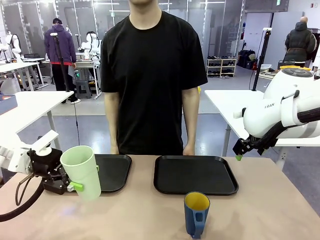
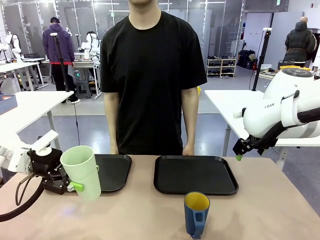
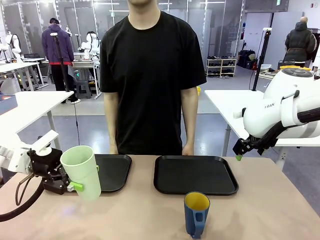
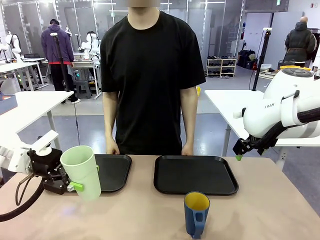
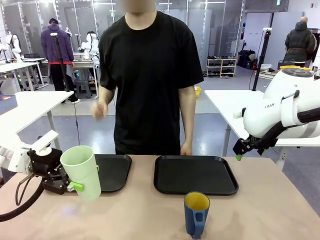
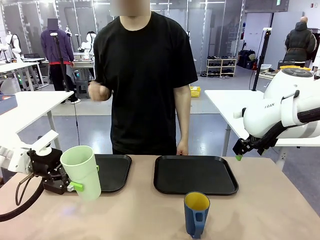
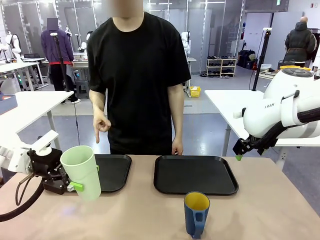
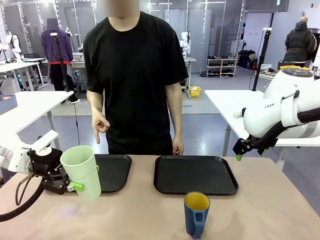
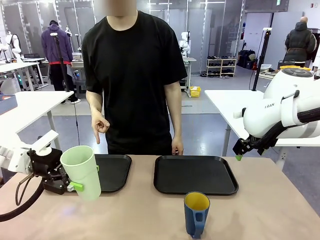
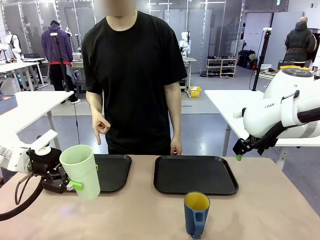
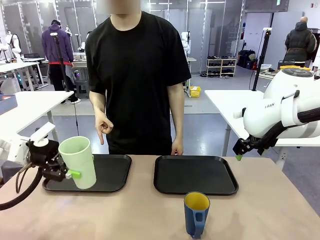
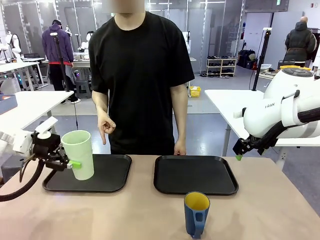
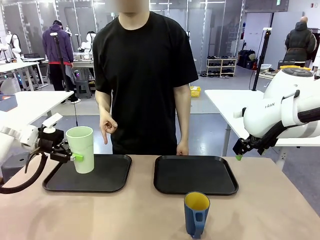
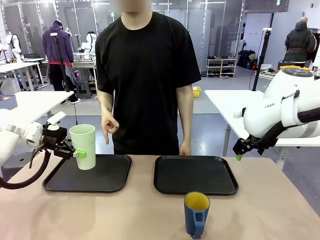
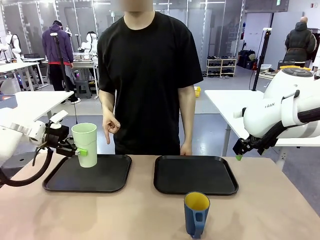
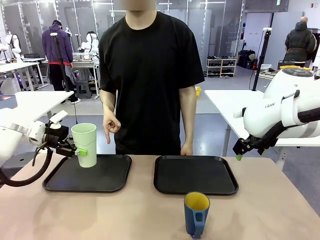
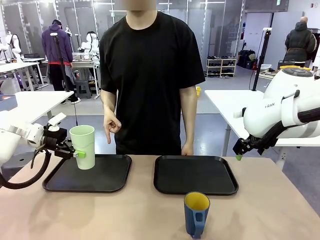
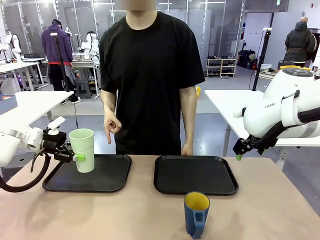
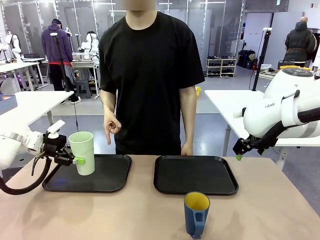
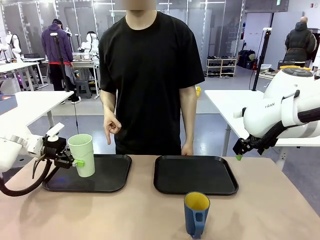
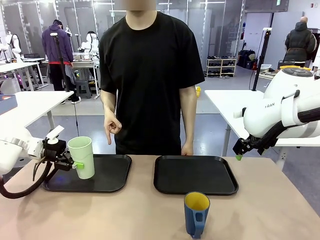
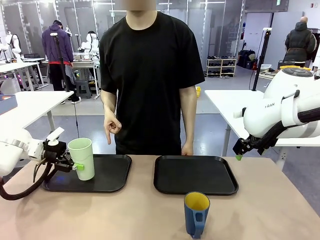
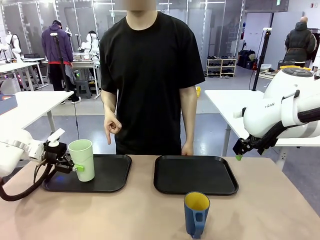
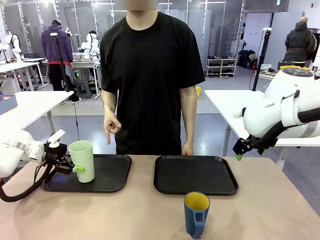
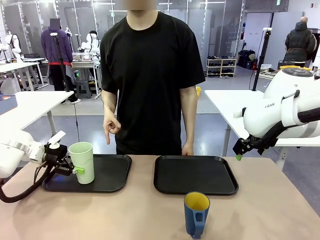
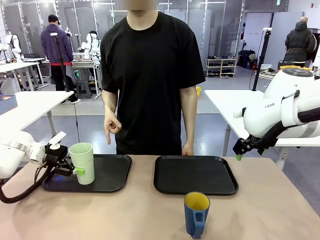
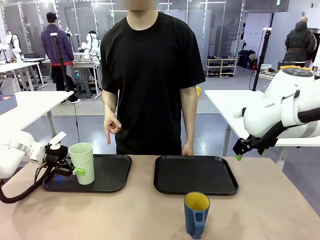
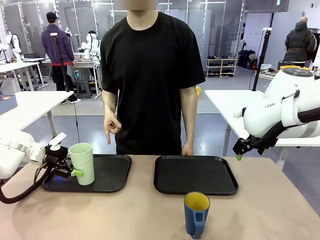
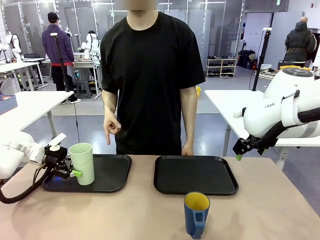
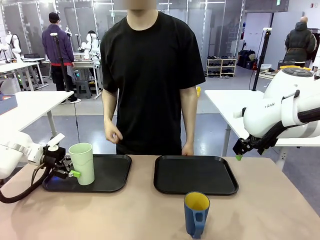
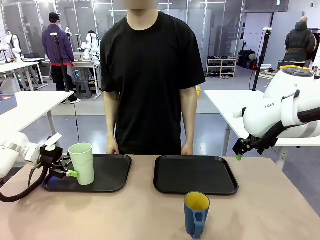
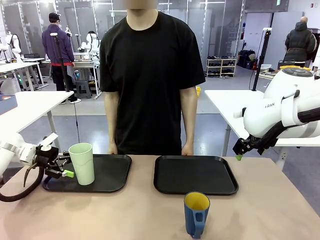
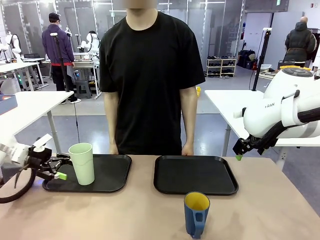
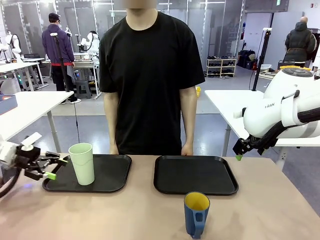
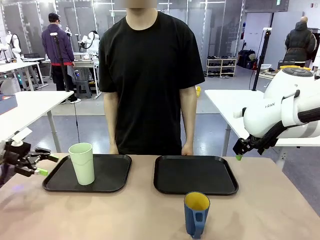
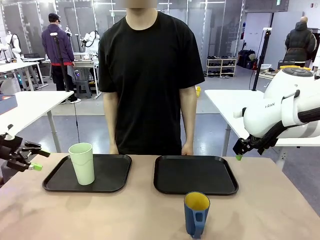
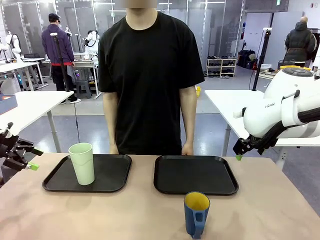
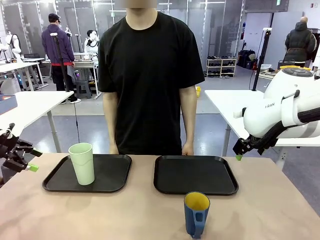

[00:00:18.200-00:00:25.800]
Task: Sort and store the cups by type.
Robot: Place the picked Reusable plastic cup into the Flat Tray indicated by the person.

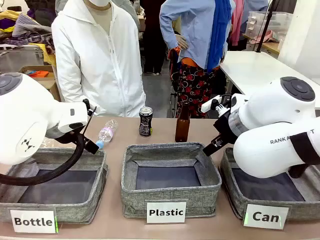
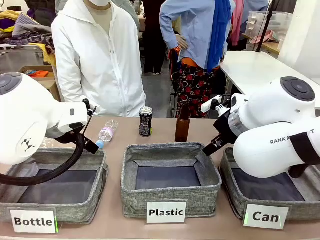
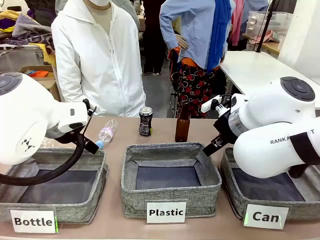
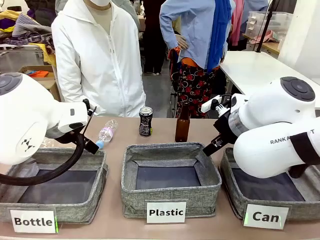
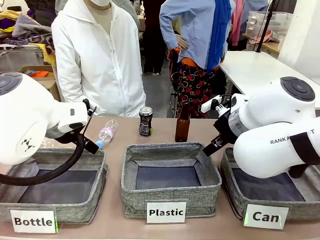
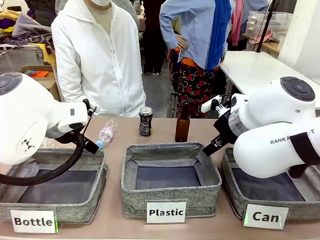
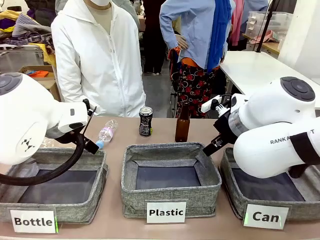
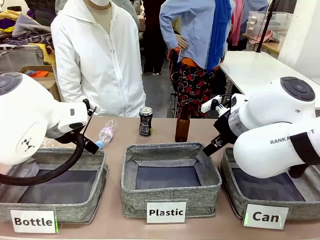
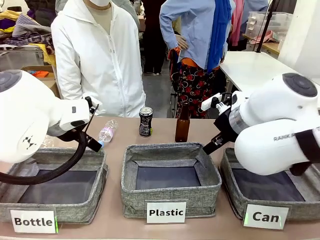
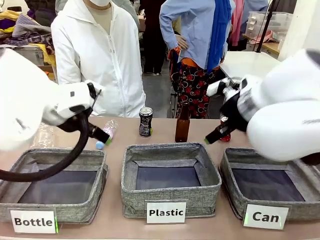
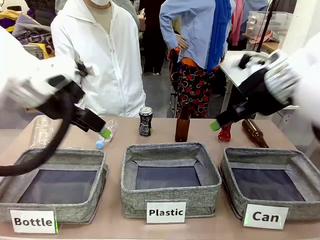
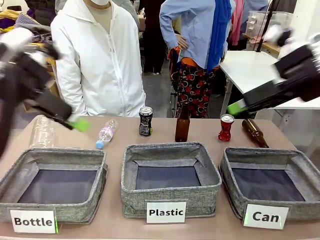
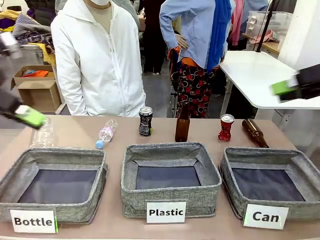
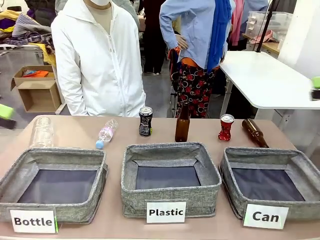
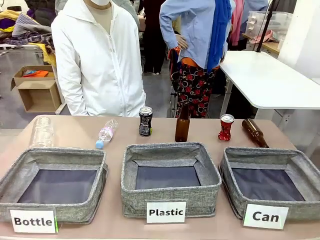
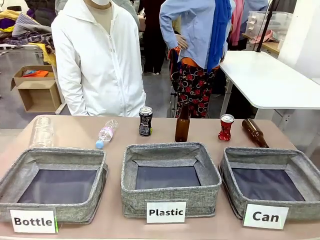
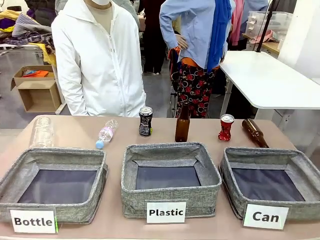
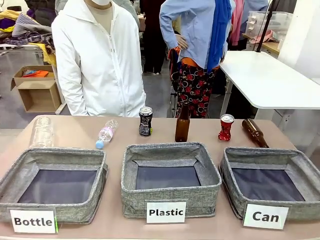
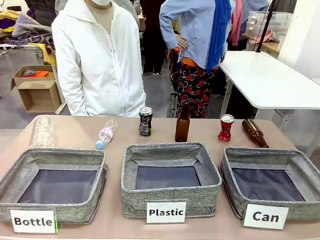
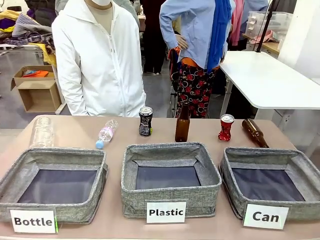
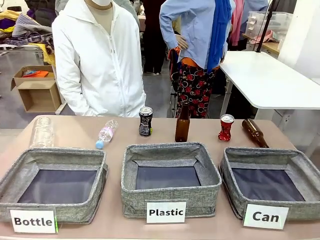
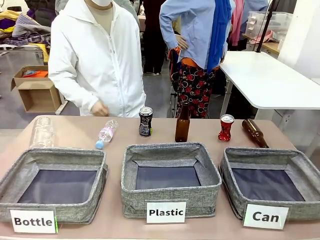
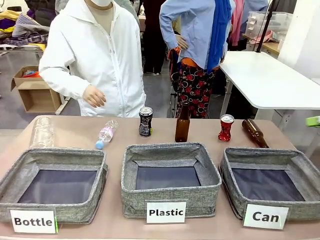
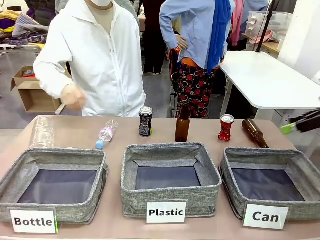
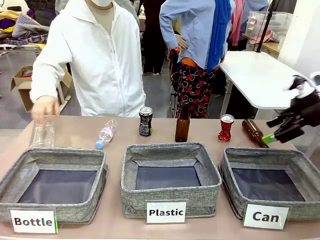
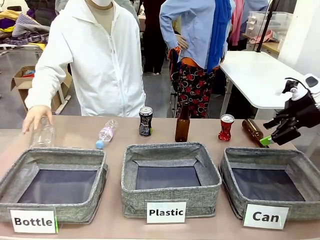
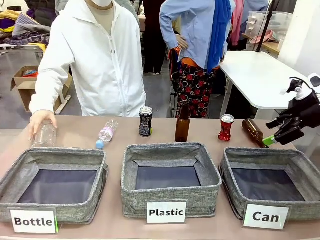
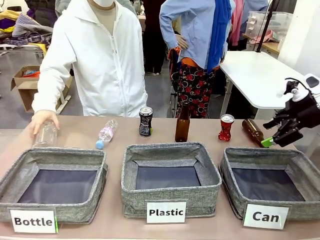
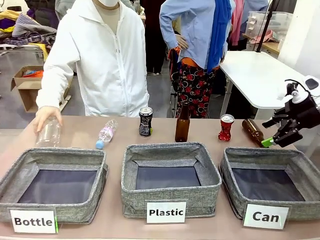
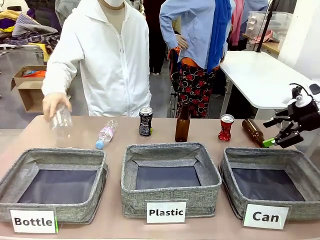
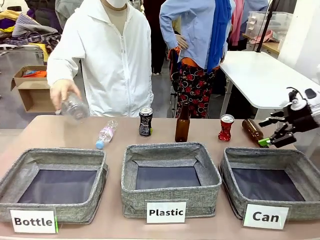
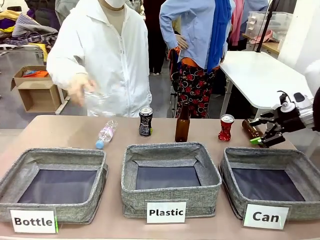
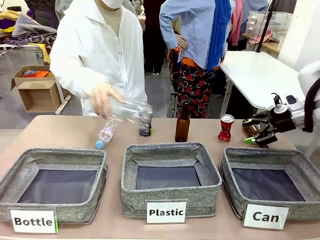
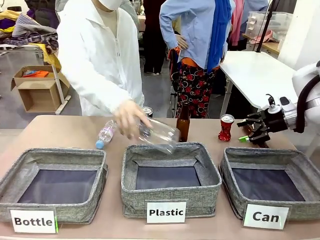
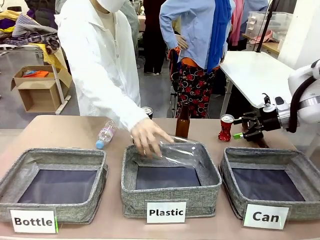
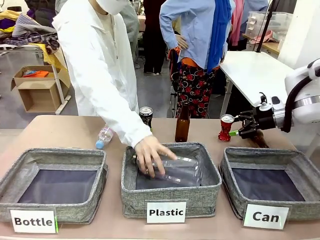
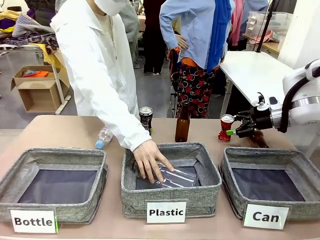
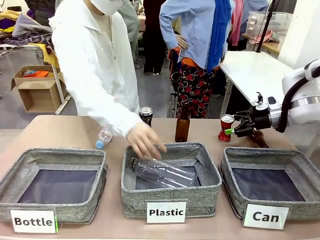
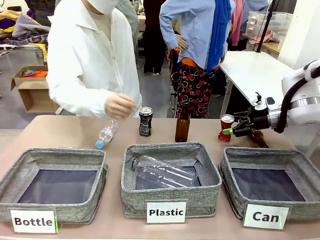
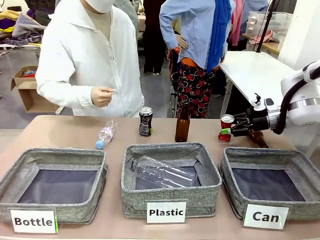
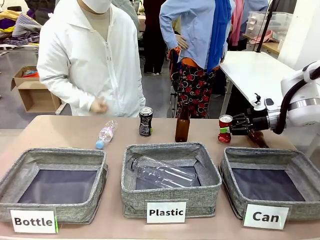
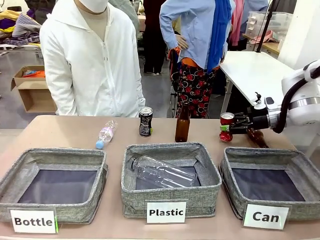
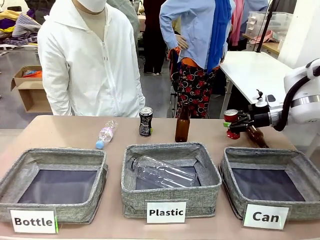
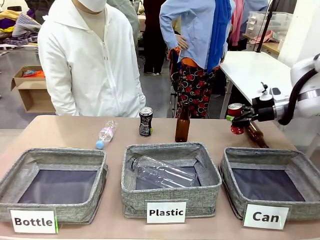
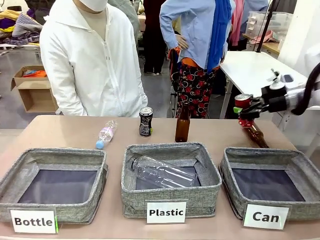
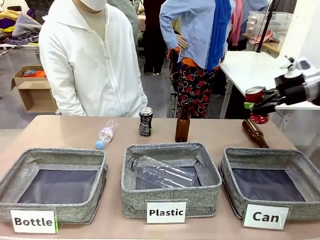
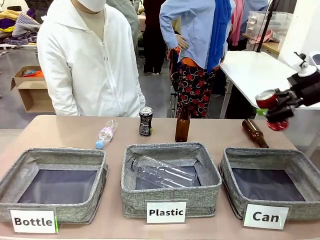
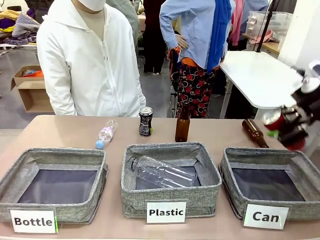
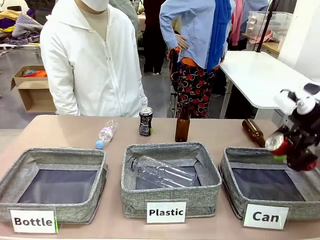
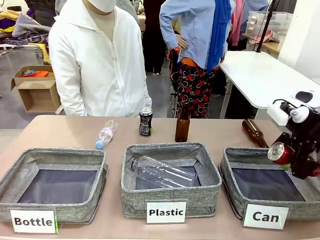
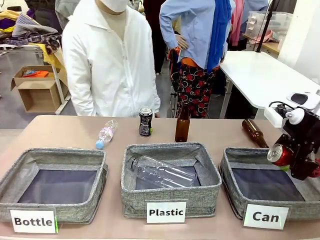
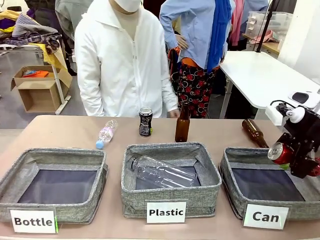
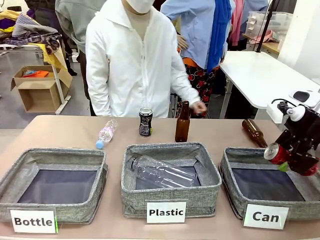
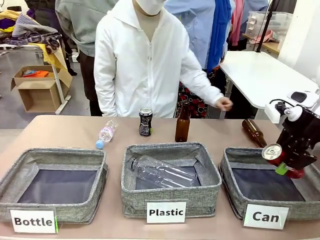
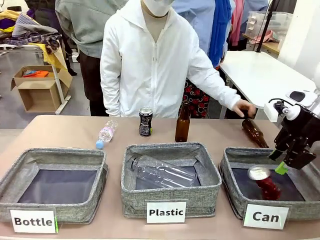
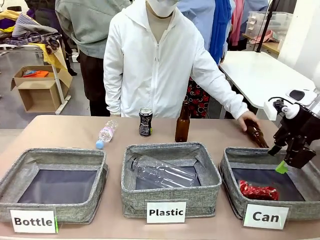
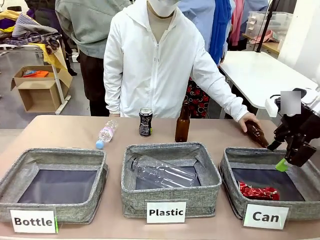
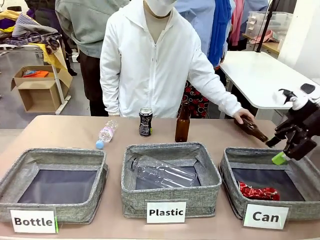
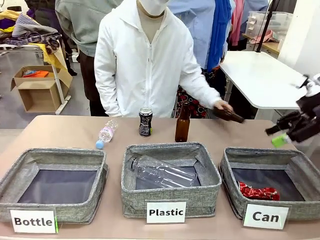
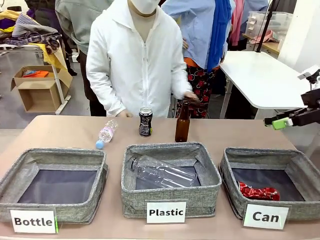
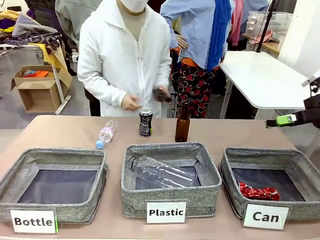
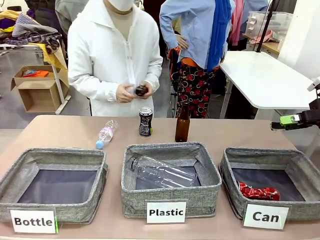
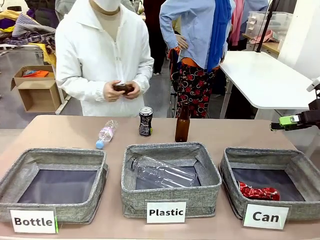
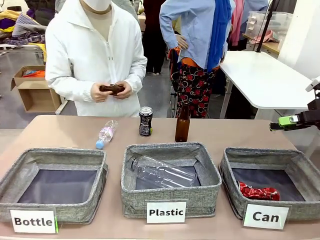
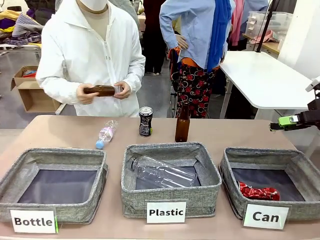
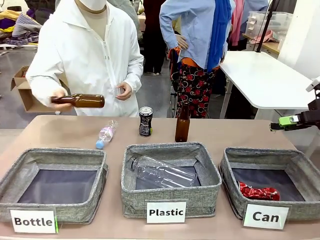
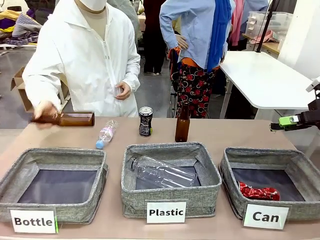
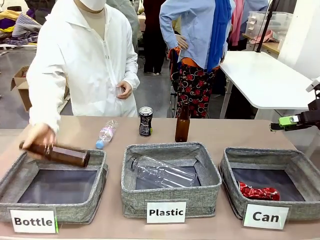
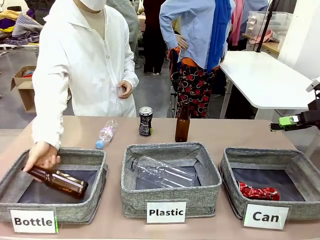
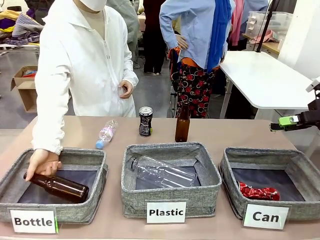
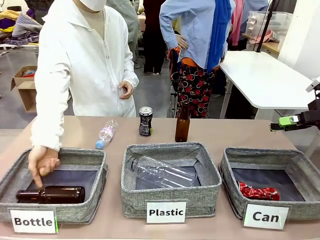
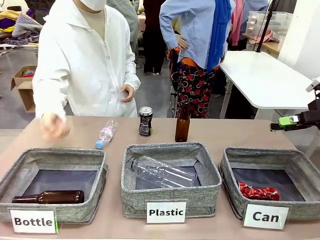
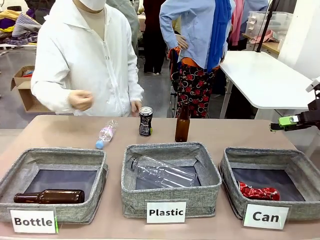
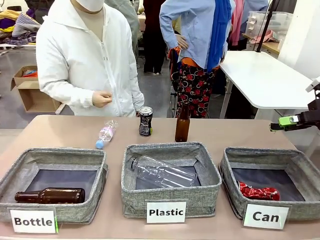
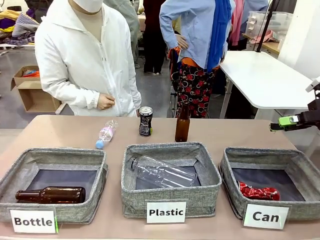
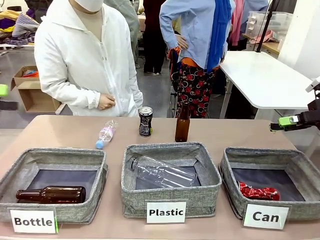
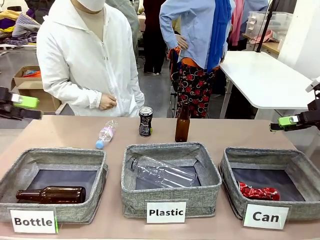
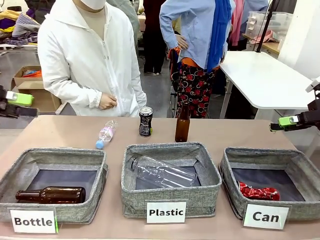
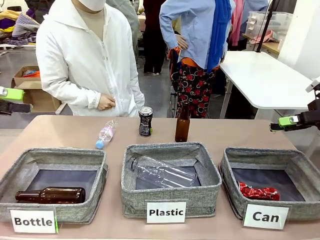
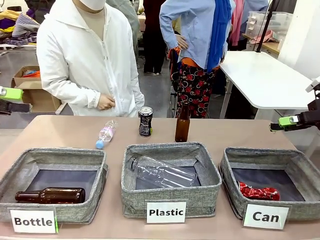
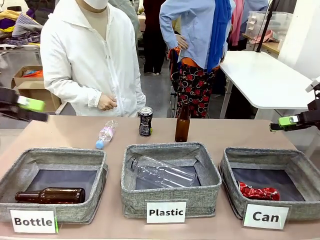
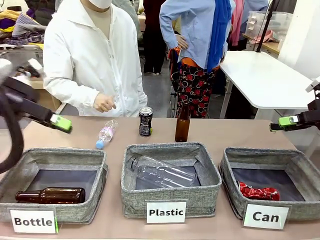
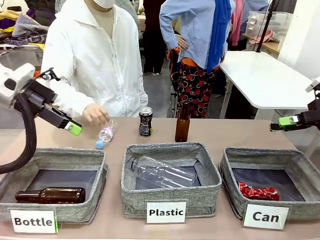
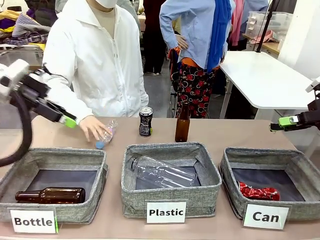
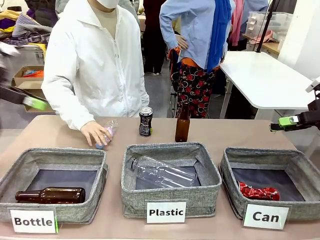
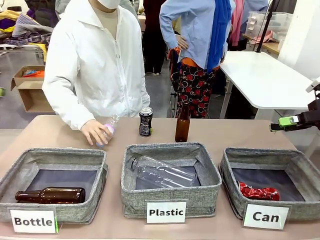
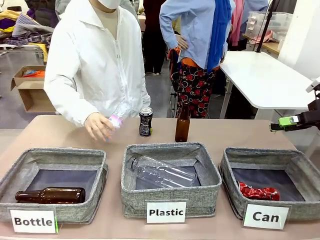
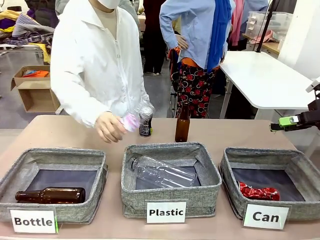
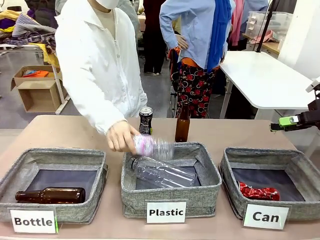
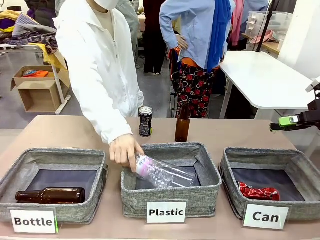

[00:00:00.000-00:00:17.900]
Task: Sort the can waste into the basket.
Robot: Pick up the can waste from the table and place it in the right Fabric basket.
